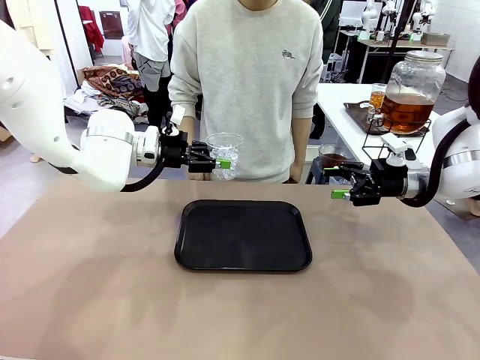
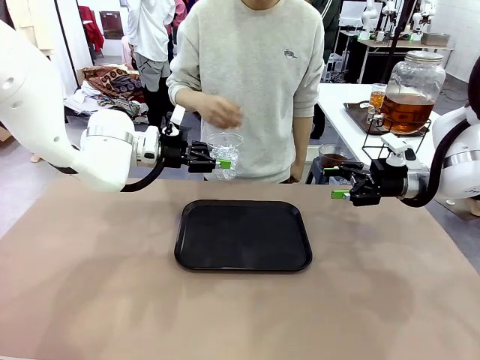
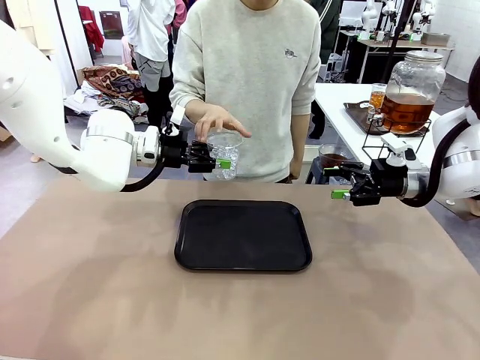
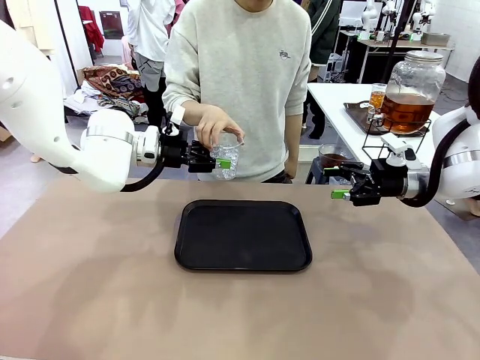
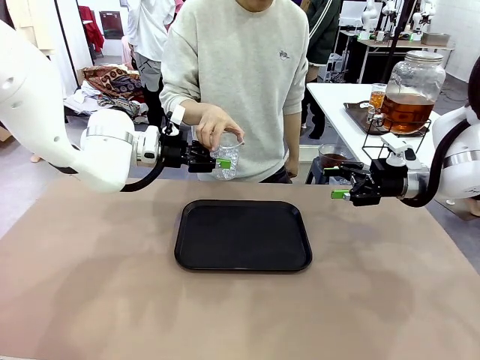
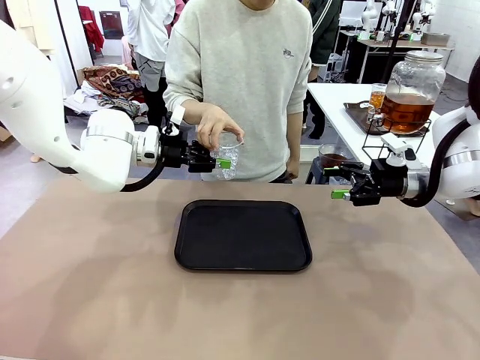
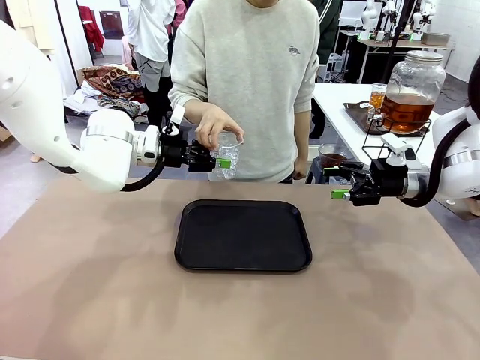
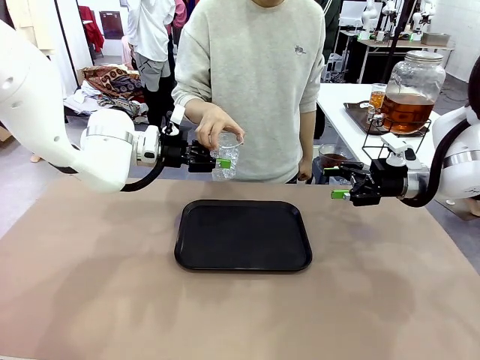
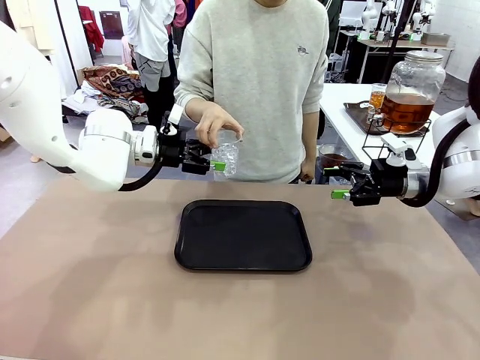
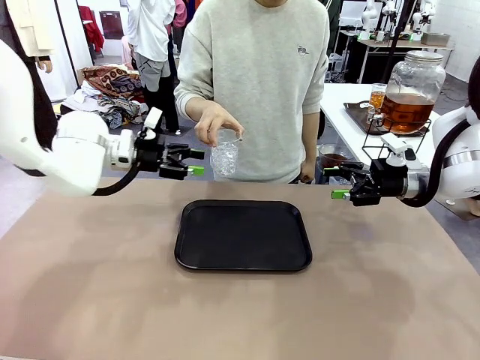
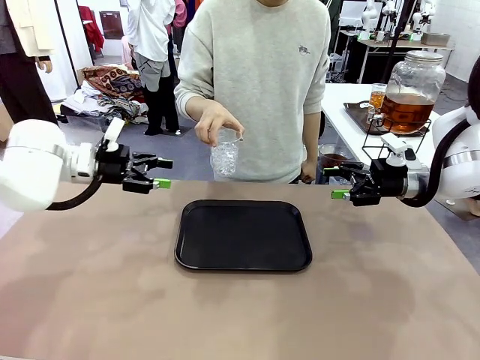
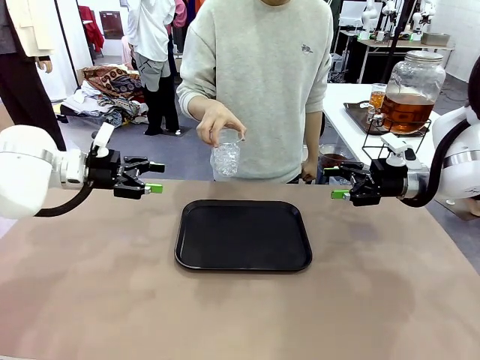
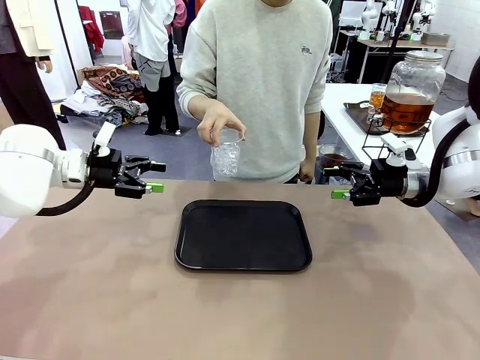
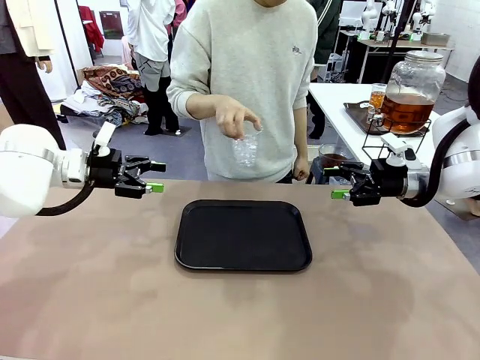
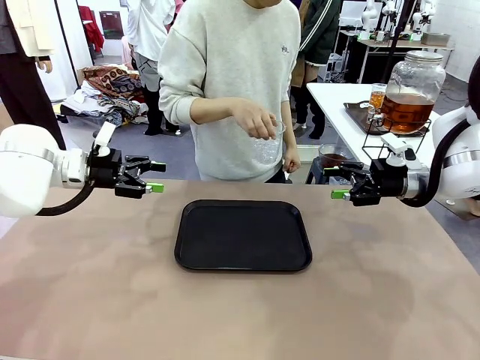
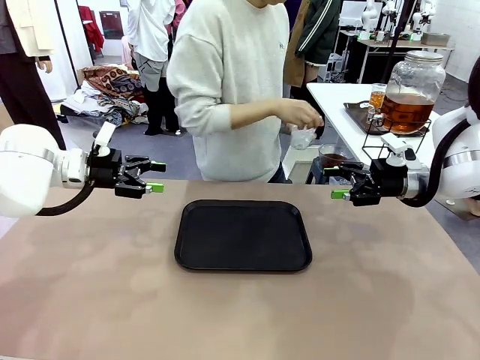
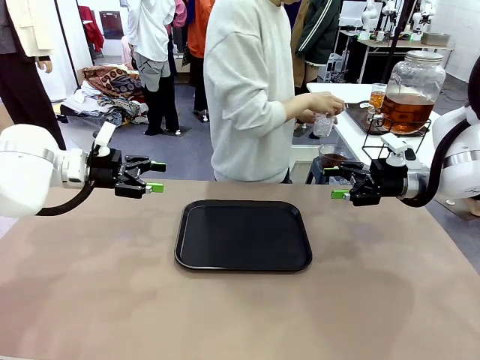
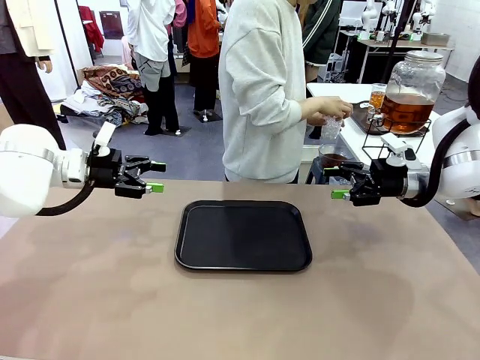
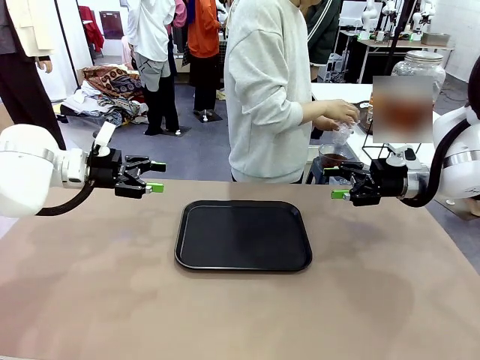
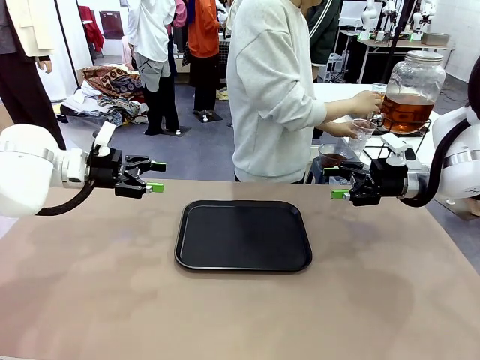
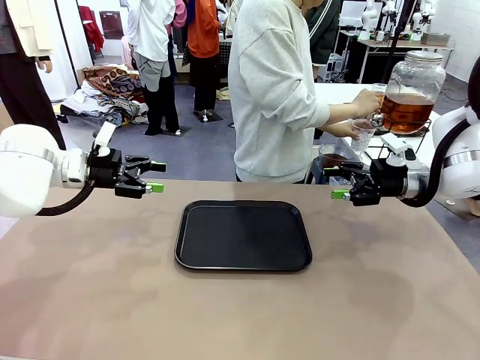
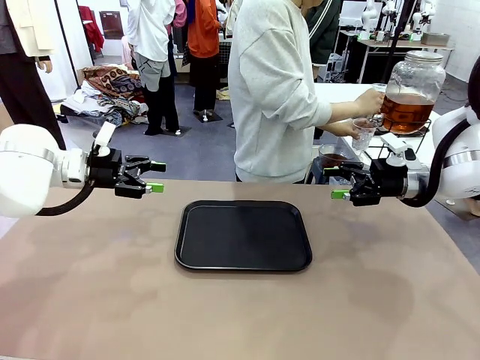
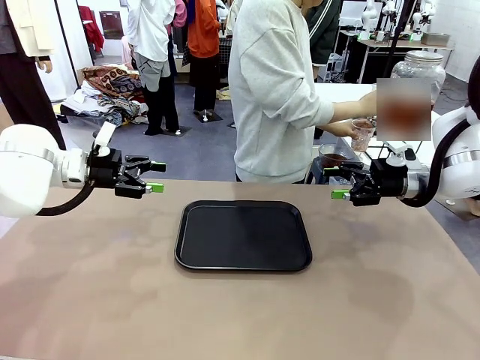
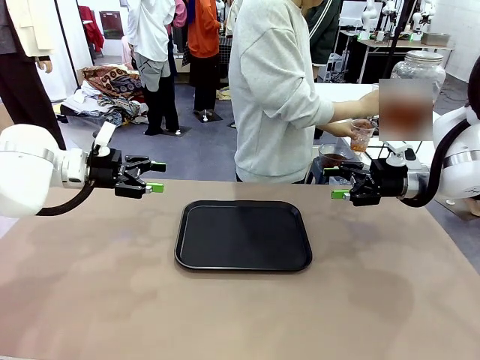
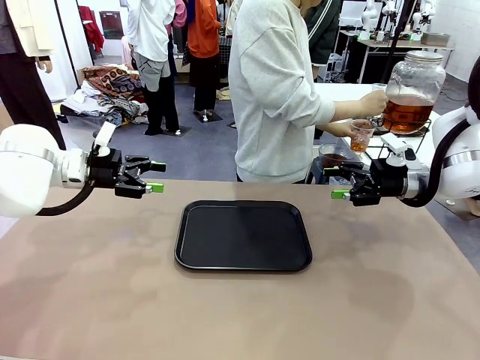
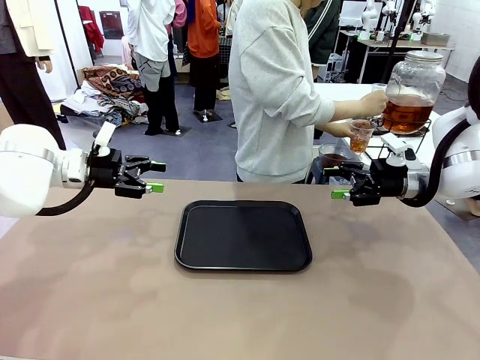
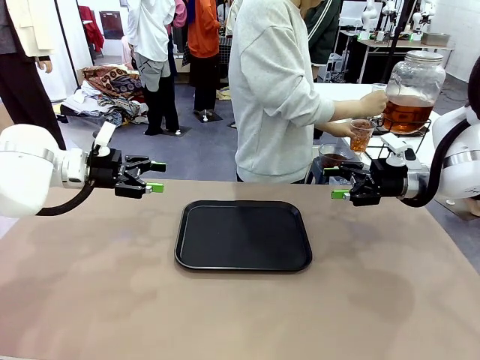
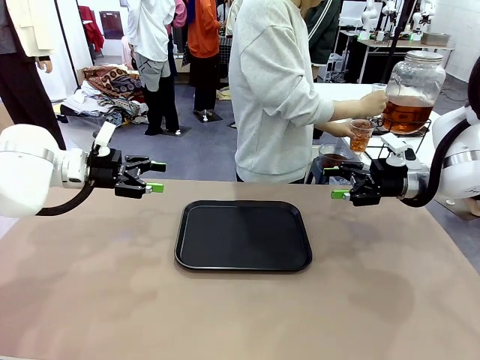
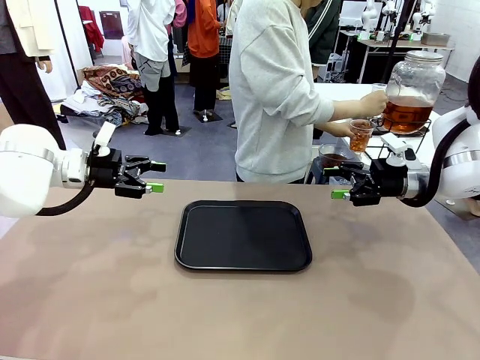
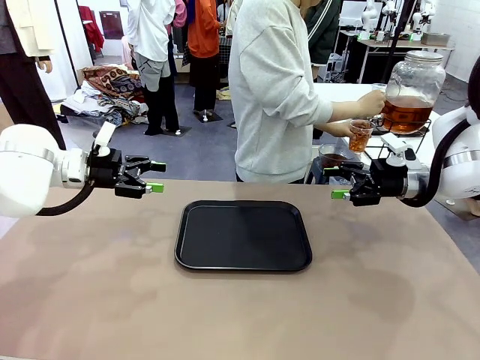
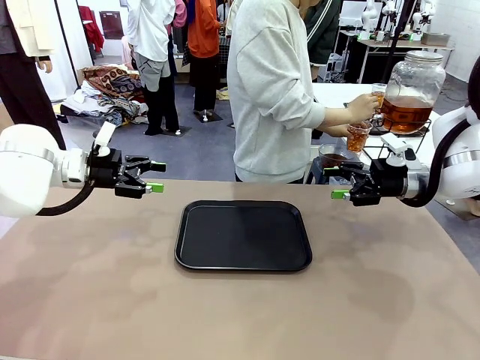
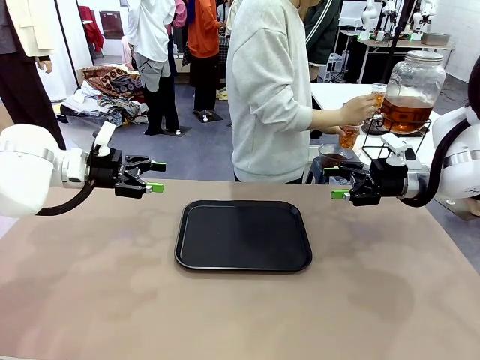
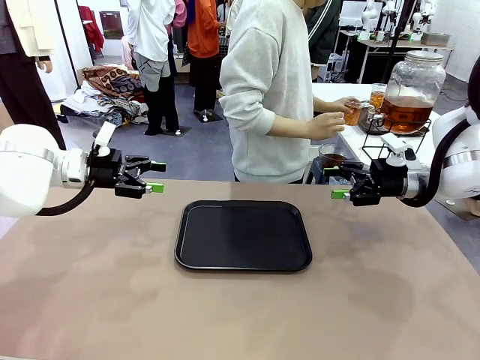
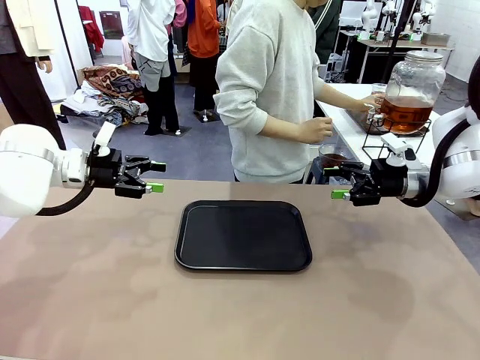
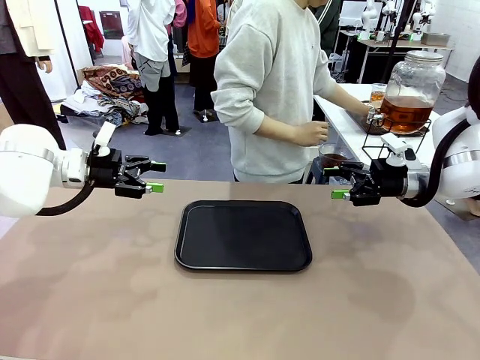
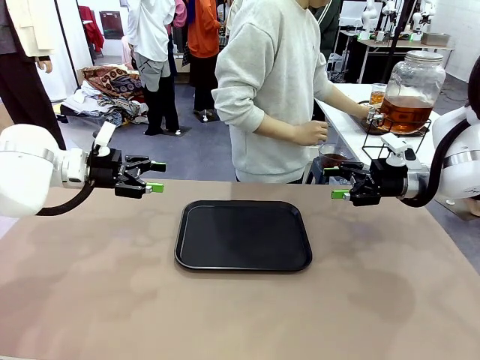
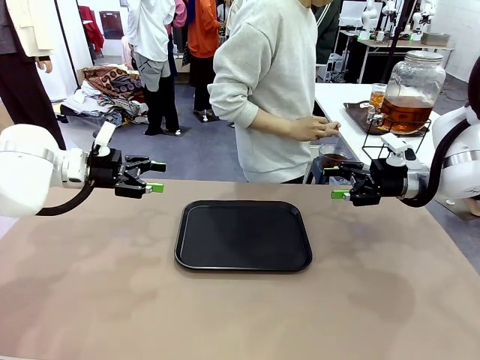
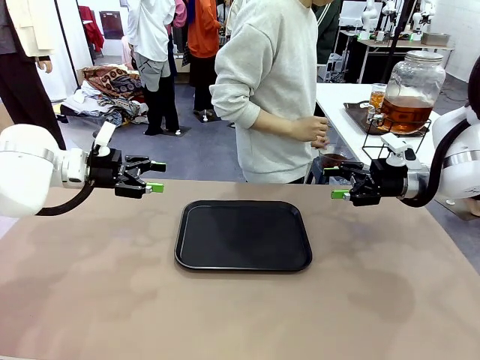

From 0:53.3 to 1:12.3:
Task: Pour the drink into the iced cup.
Robot: Open the gripper to release the iced cup you were holding.
Person: Move the picked-up cup under the dispenser faucet, pour the drink, and place it on the tray on the human table.

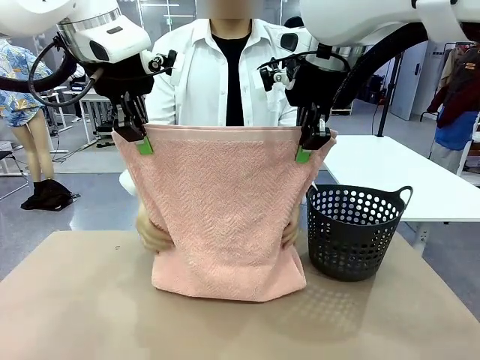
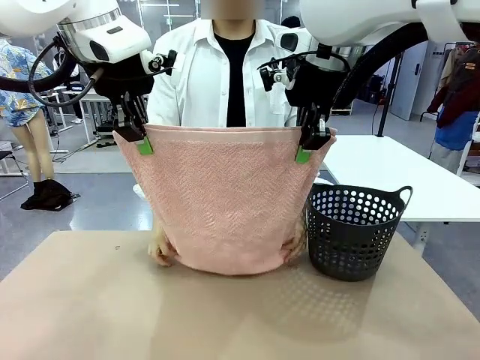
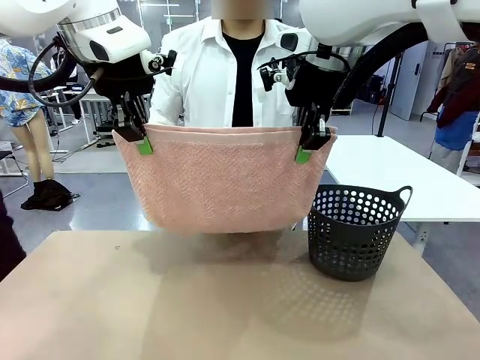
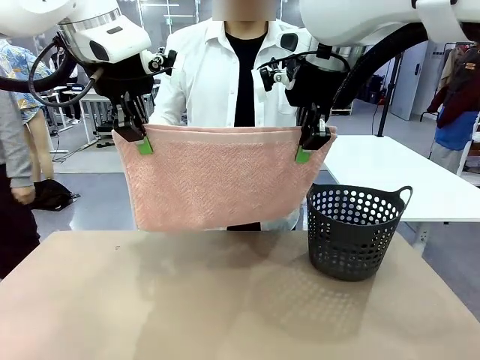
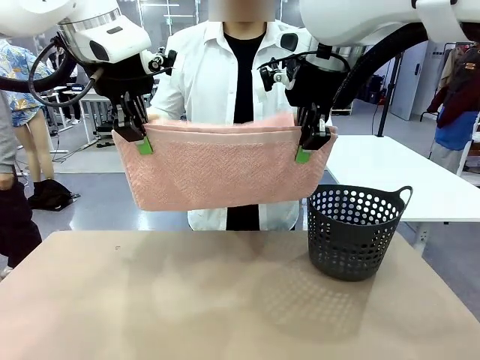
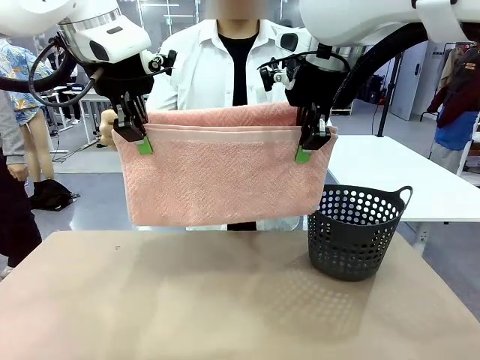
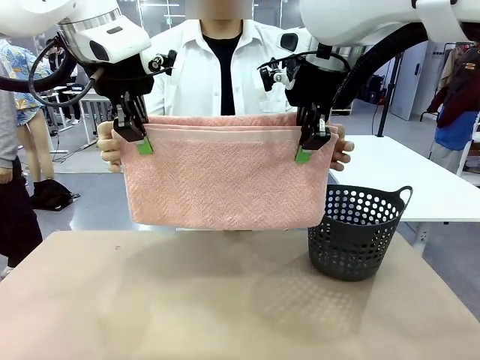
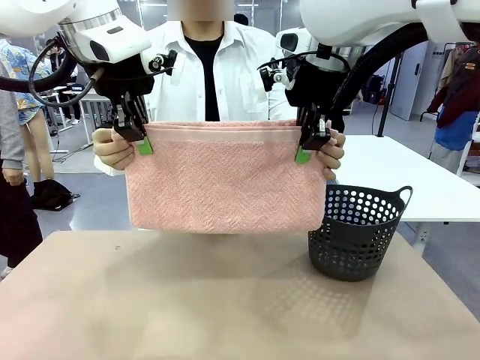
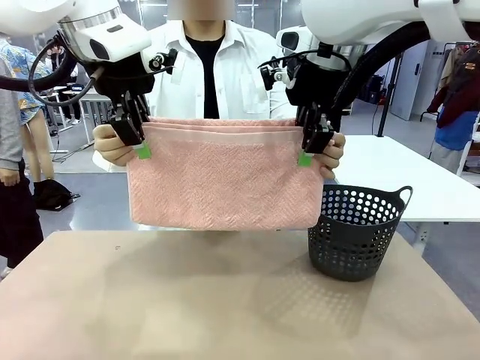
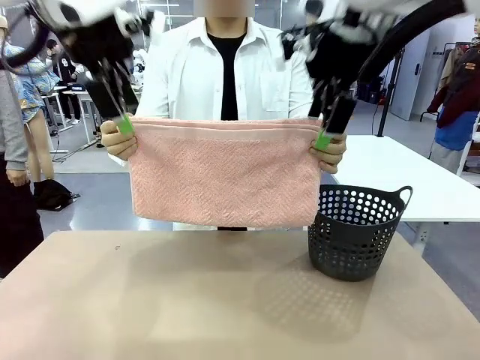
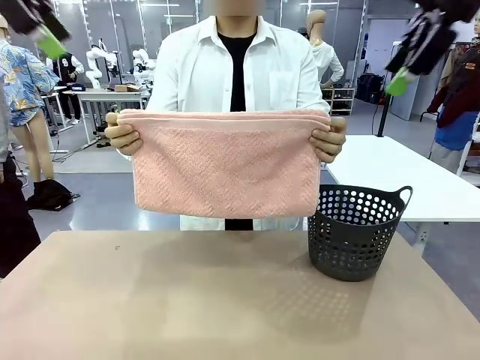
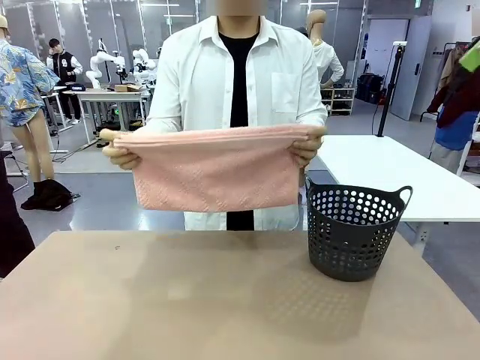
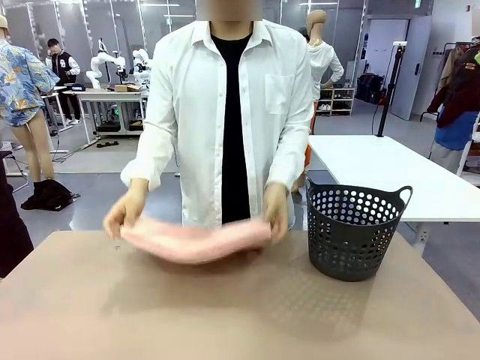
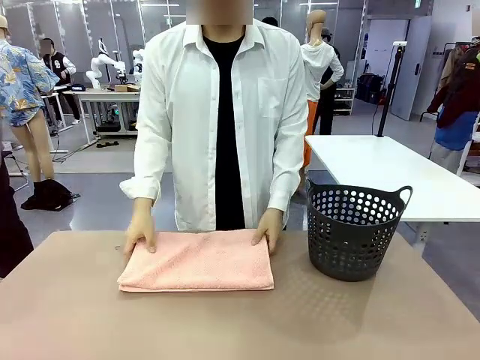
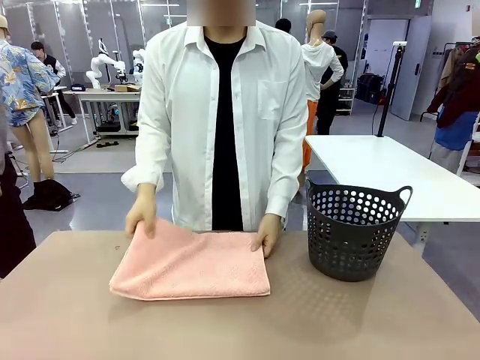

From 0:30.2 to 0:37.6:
Task: Fold the towel.
Robot: Release the end of the 100 cm Hotel Towel you were holding.
Person: Place the towel at the center of the robot table and fold it in half.
